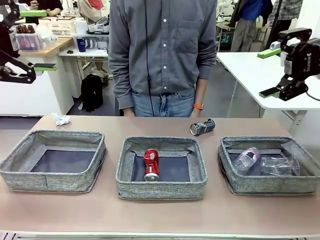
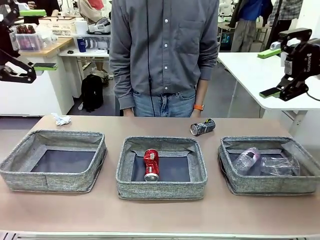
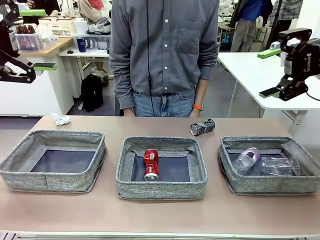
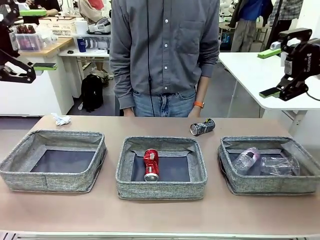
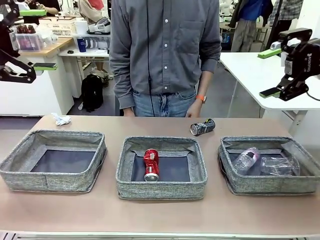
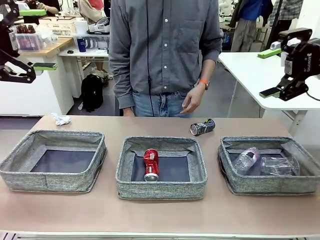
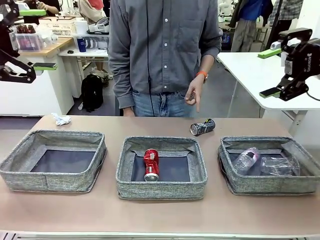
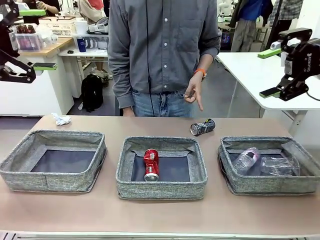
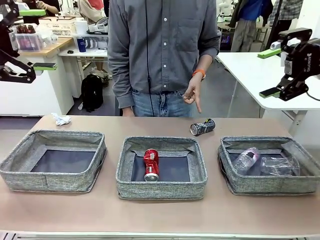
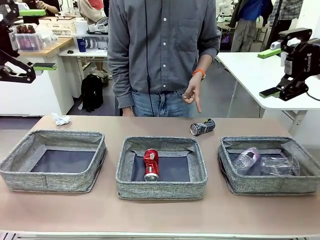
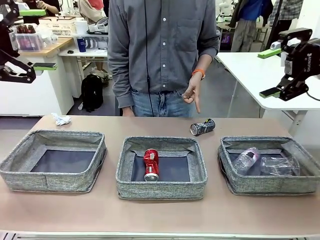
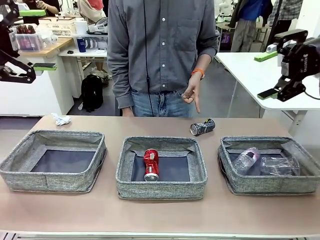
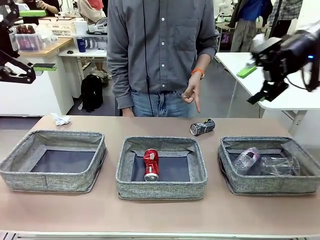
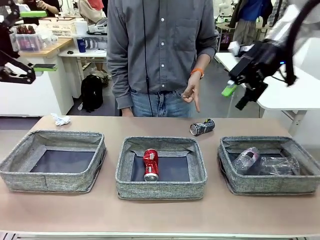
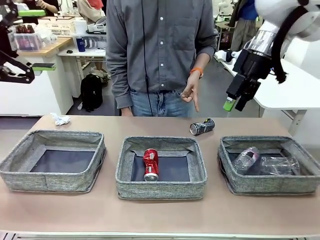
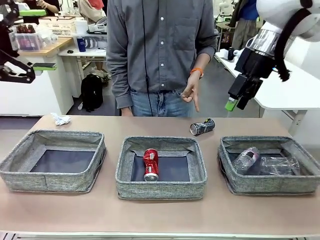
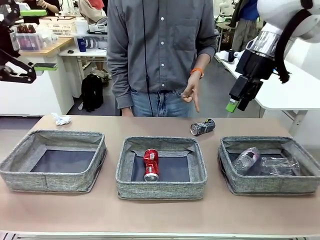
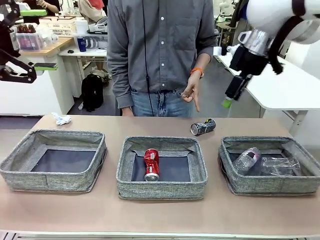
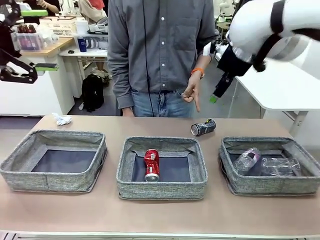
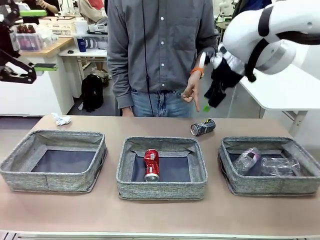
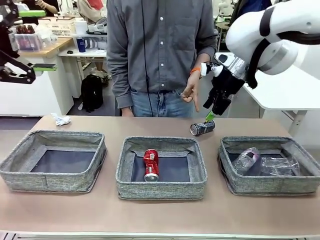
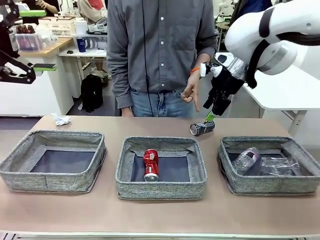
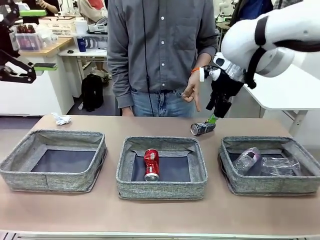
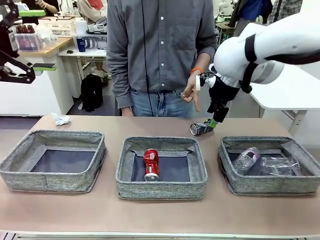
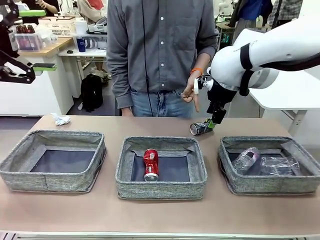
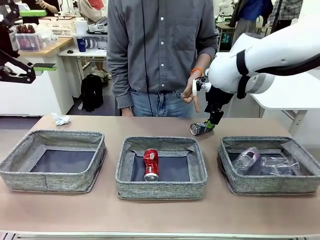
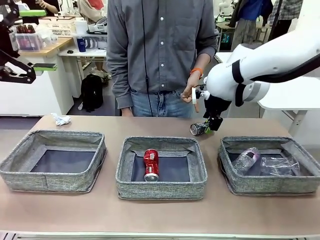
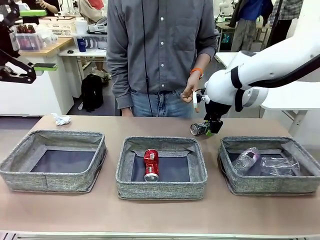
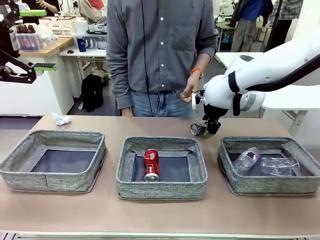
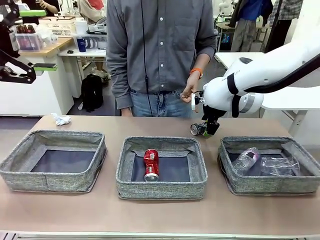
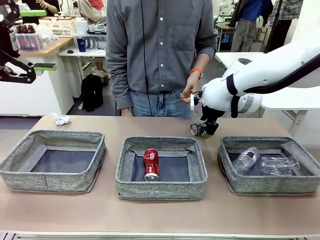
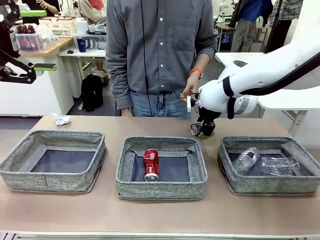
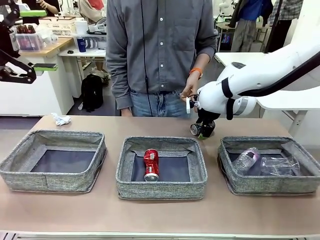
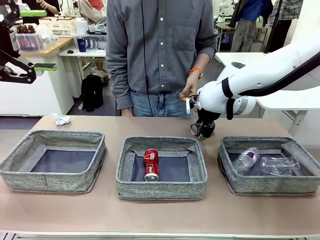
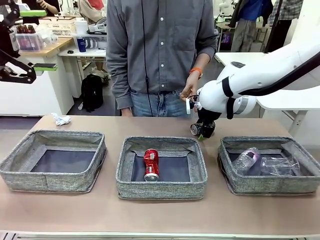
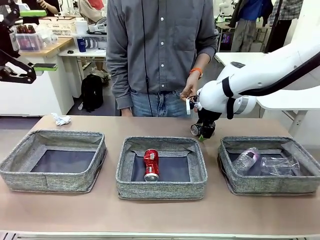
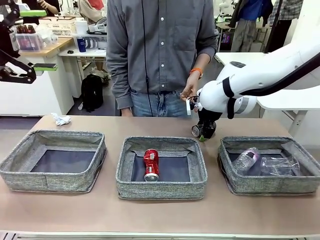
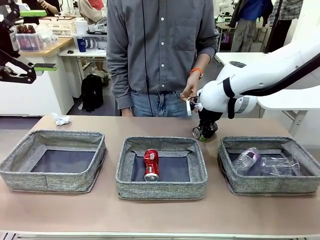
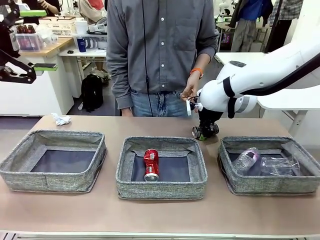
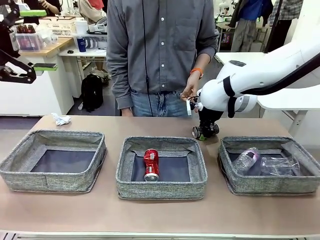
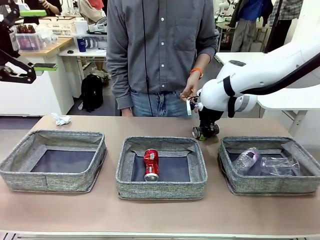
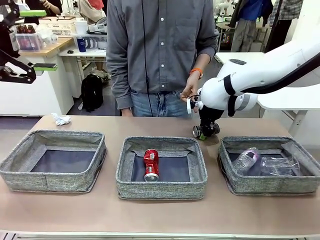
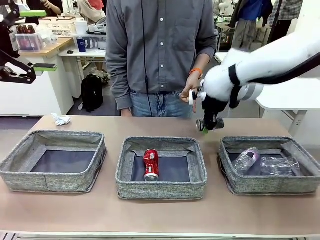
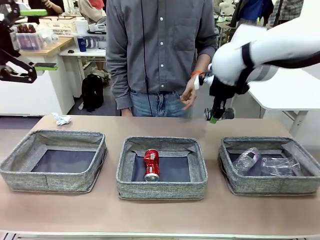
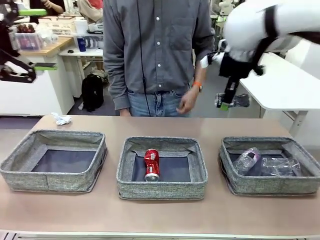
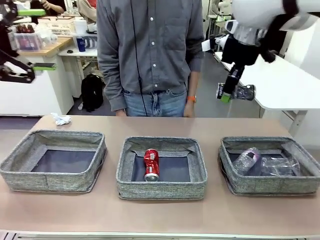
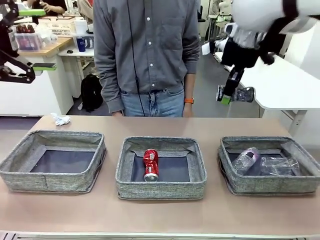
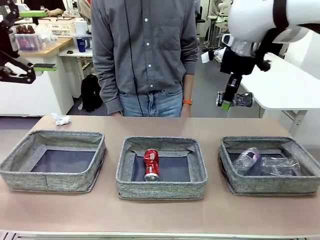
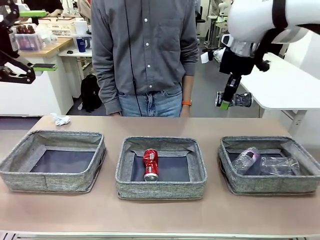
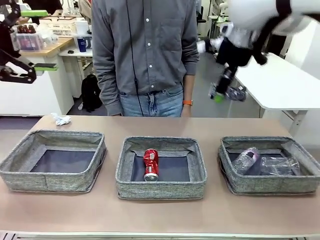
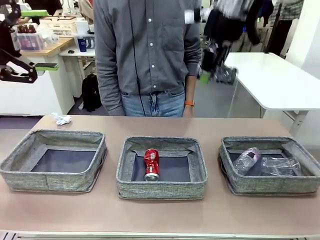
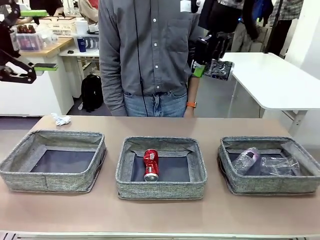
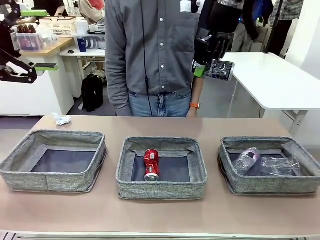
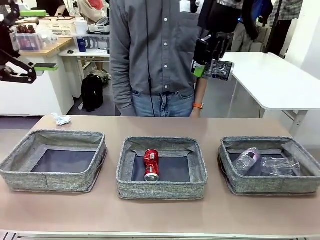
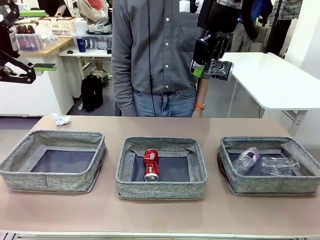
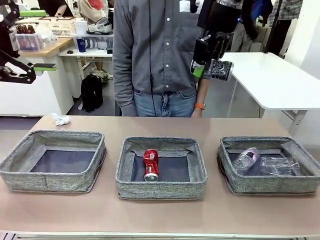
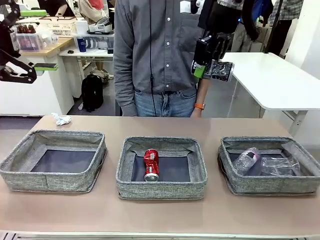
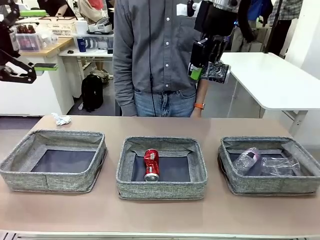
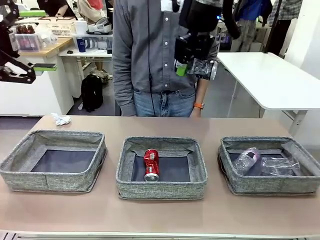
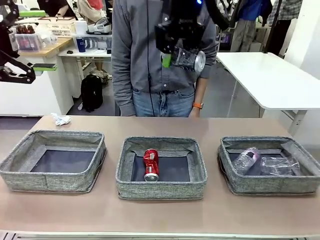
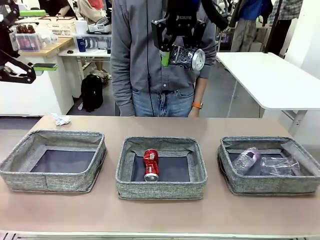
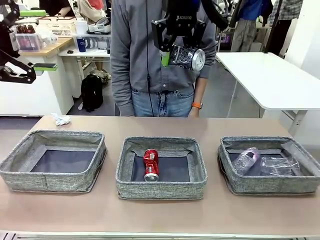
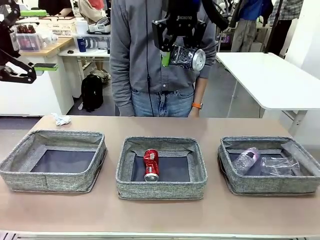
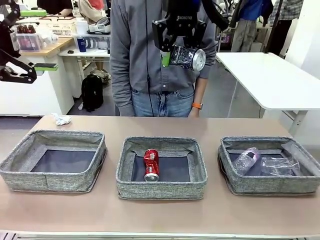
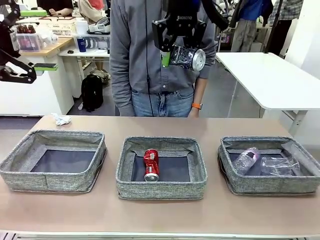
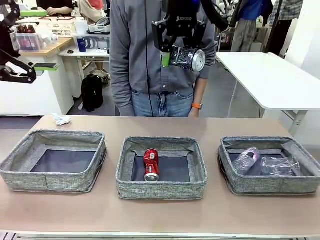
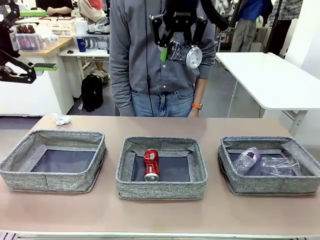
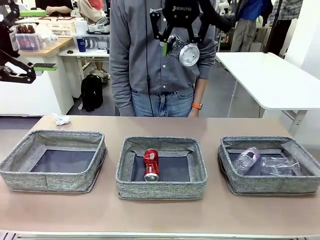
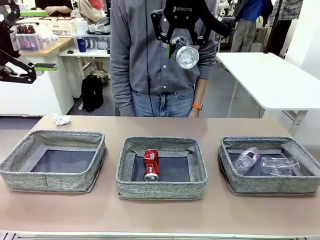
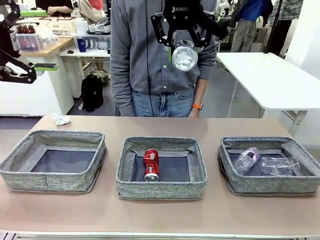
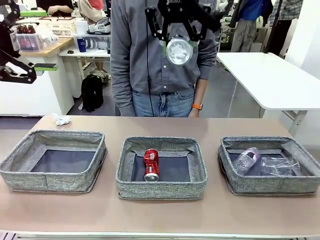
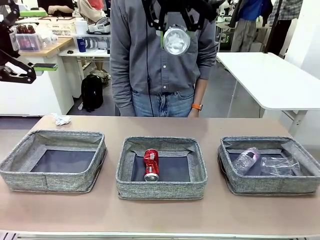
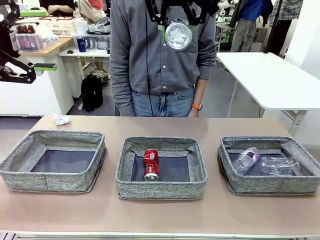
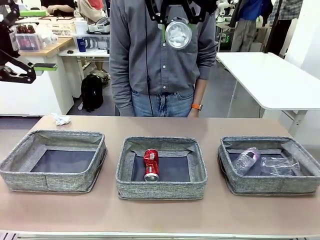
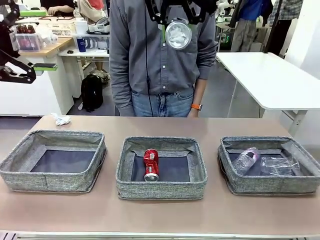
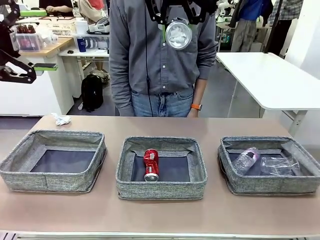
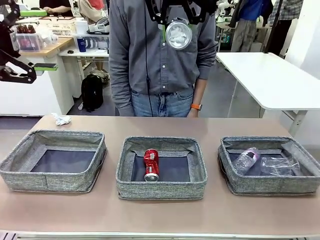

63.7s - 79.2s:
Task: Sort the waste into the appropriate baskets.
Robot: Pick up the waste item pointed out by the person.
Person: Points to one piece of trash on the table.

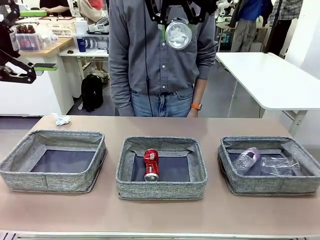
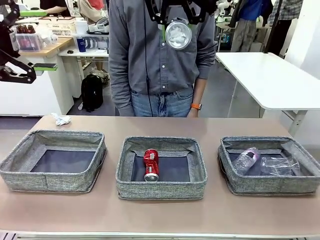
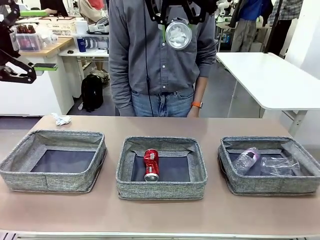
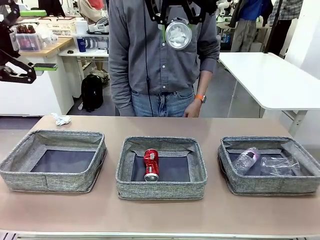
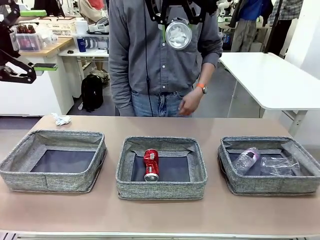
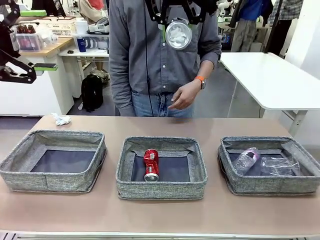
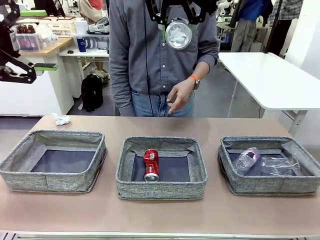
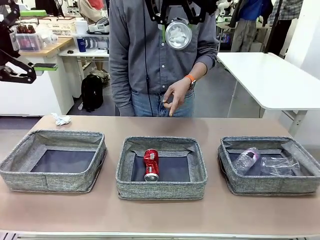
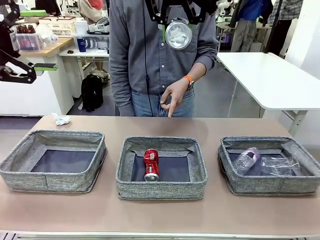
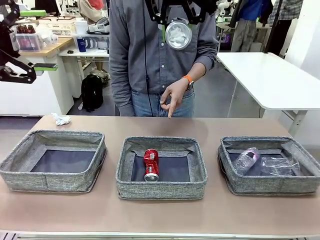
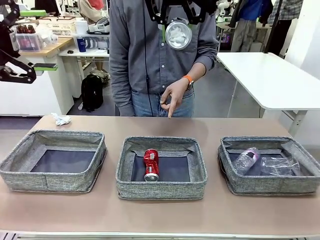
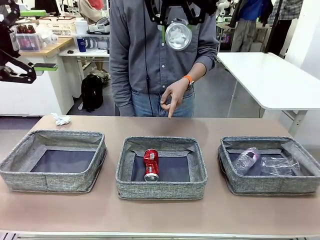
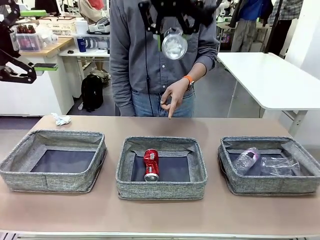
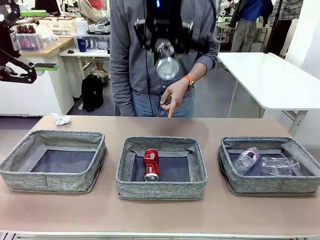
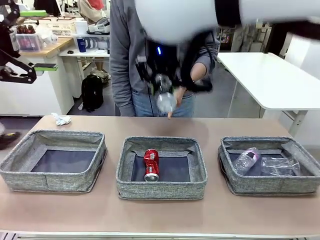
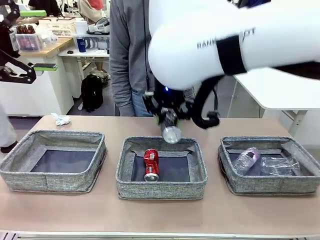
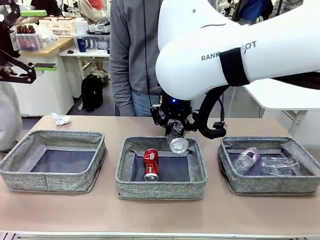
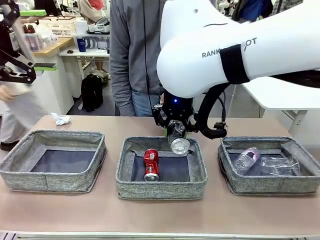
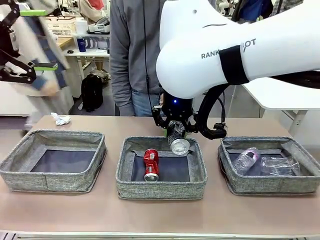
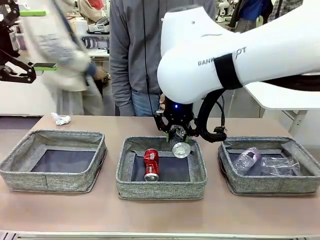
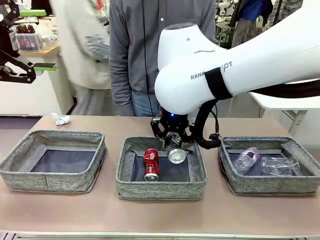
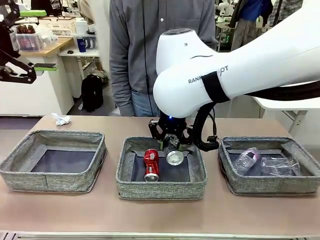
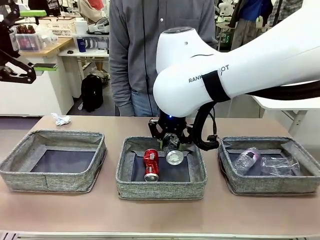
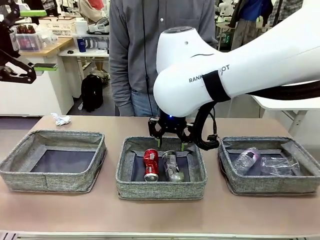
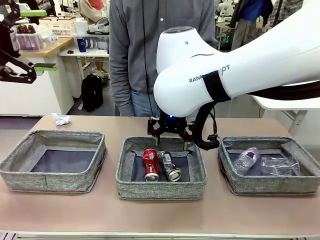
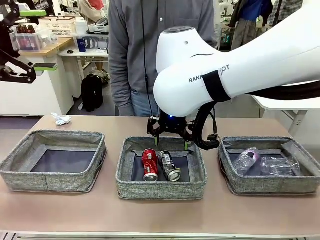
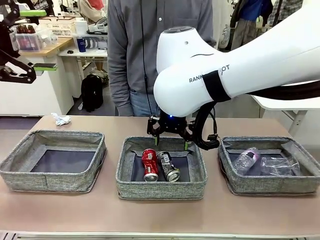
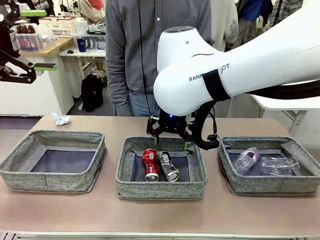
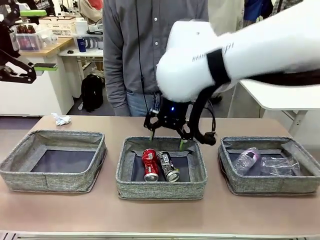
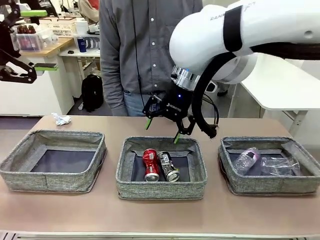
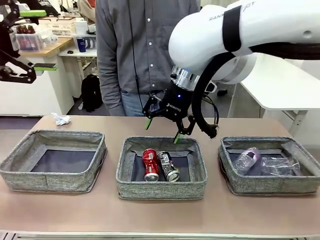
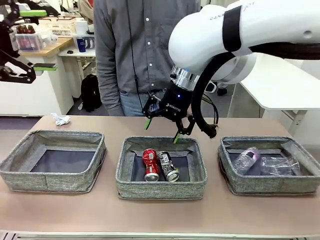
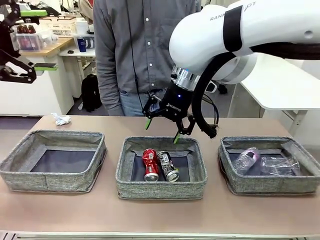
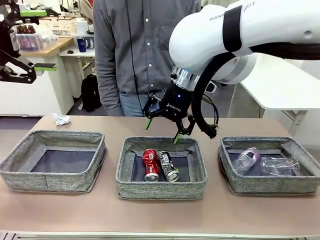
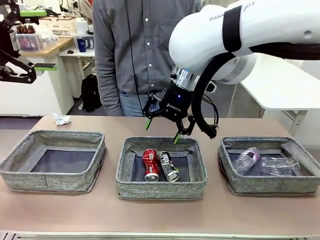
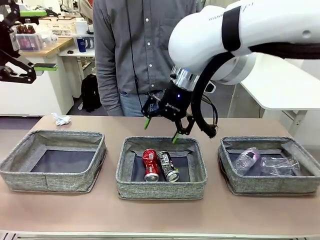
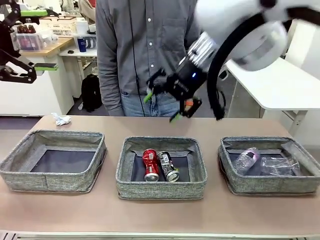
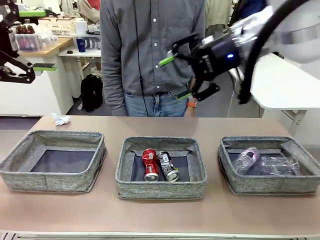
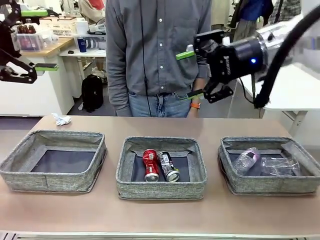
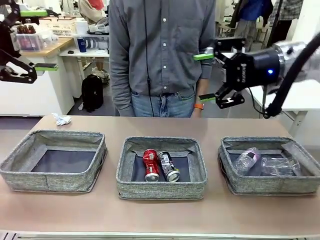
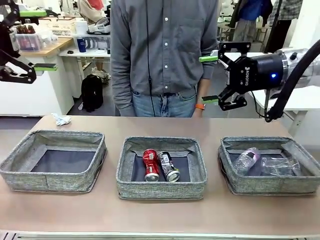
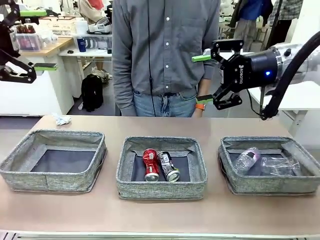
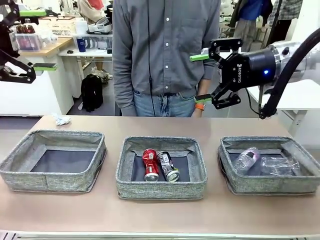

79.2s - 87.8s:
Robot: Place the picked waste into the Fabric basket indicated by the person.
Person: Instructs the robot to place the picked-up trash into the appropriate organizing basket.
